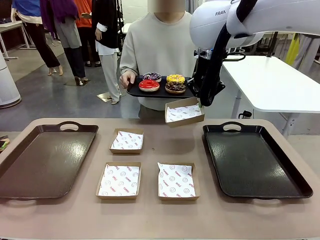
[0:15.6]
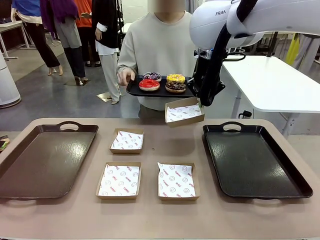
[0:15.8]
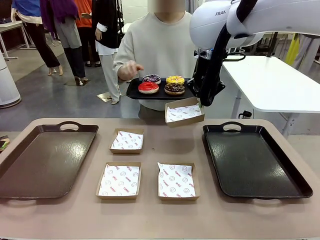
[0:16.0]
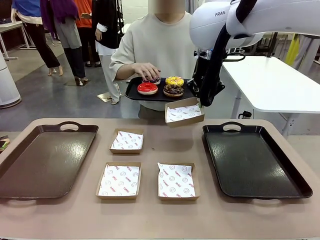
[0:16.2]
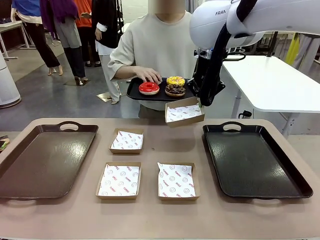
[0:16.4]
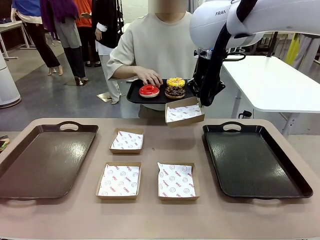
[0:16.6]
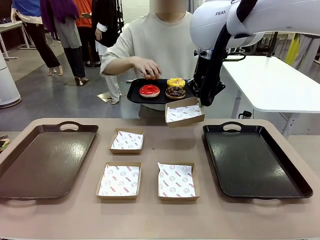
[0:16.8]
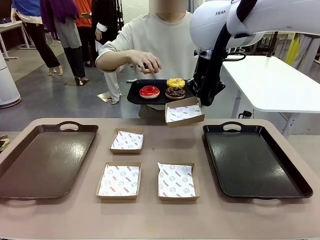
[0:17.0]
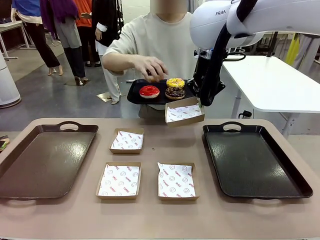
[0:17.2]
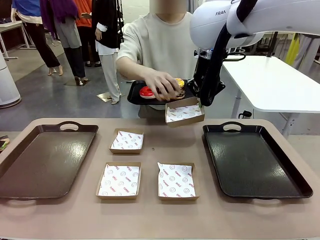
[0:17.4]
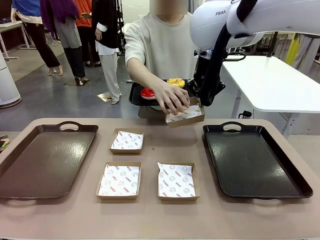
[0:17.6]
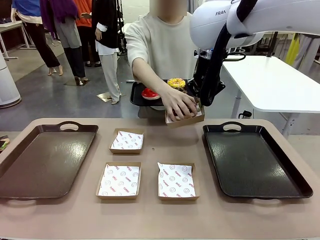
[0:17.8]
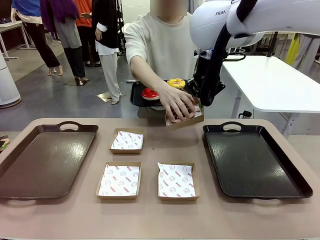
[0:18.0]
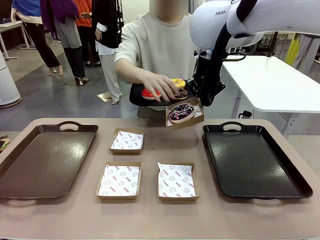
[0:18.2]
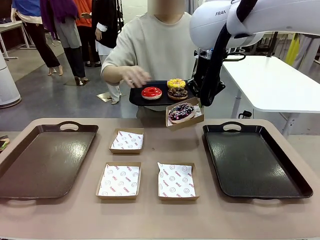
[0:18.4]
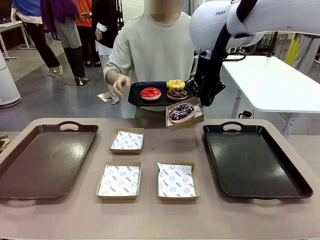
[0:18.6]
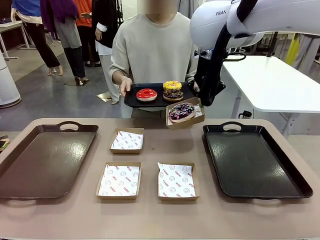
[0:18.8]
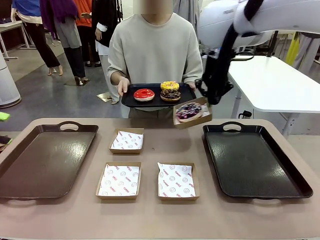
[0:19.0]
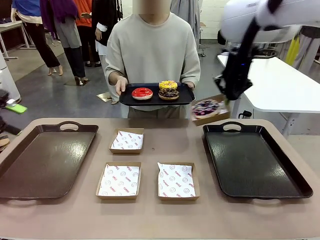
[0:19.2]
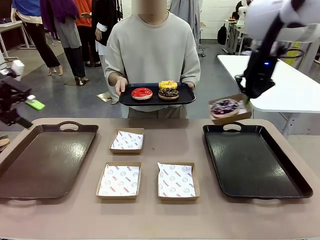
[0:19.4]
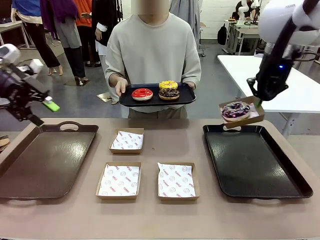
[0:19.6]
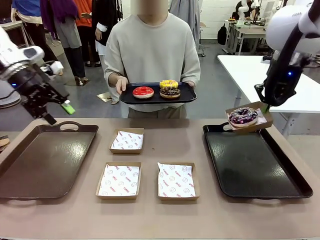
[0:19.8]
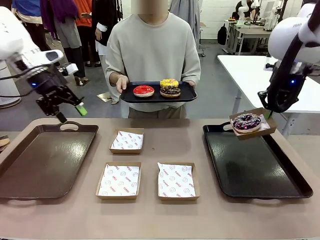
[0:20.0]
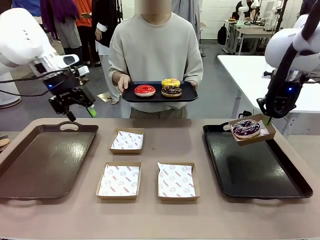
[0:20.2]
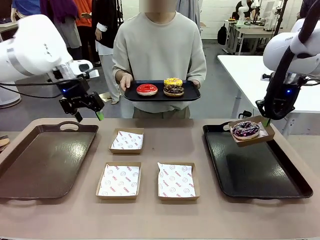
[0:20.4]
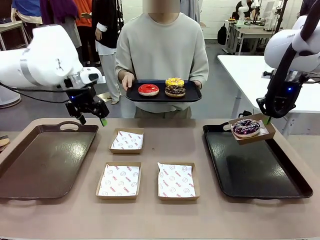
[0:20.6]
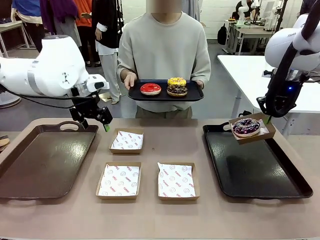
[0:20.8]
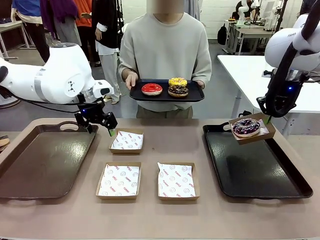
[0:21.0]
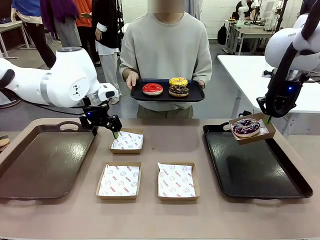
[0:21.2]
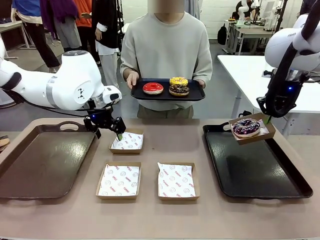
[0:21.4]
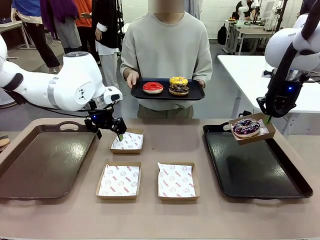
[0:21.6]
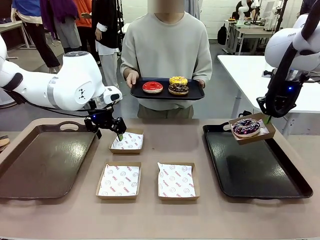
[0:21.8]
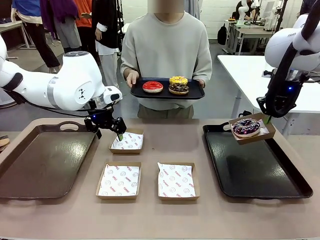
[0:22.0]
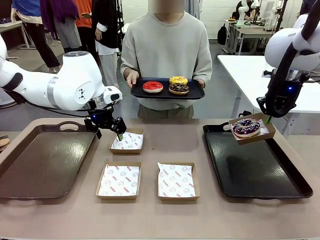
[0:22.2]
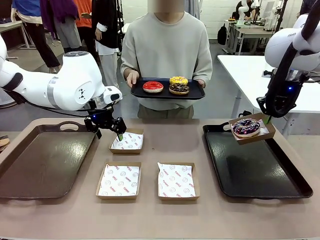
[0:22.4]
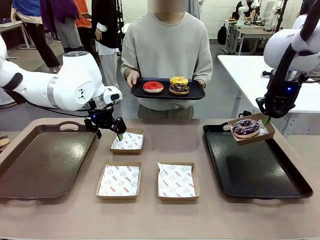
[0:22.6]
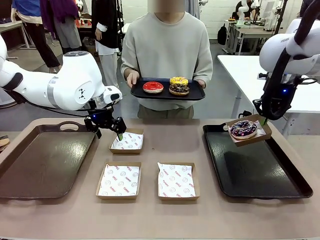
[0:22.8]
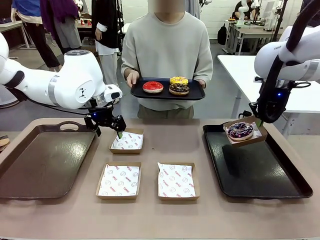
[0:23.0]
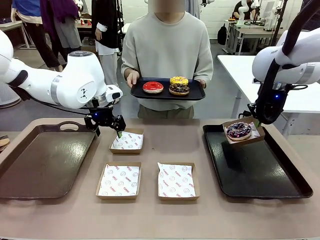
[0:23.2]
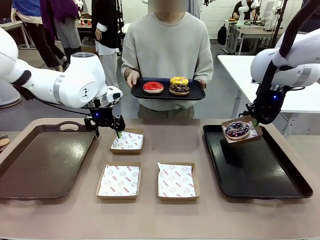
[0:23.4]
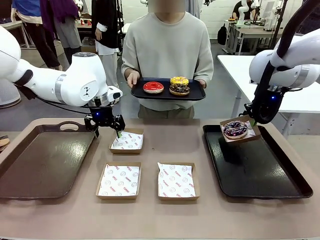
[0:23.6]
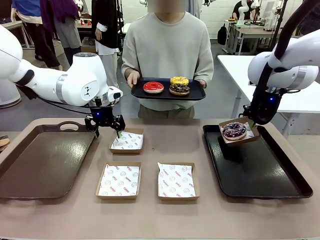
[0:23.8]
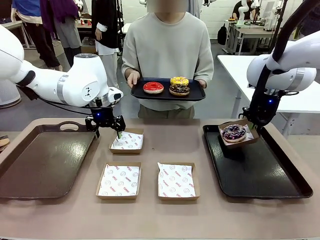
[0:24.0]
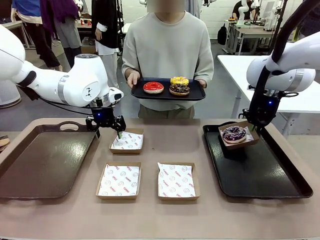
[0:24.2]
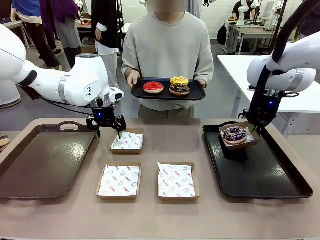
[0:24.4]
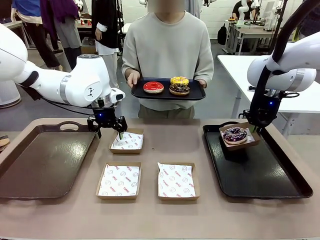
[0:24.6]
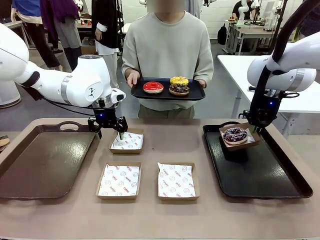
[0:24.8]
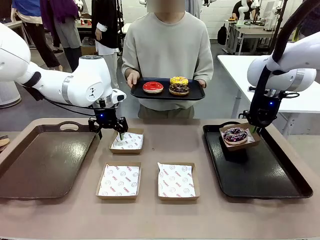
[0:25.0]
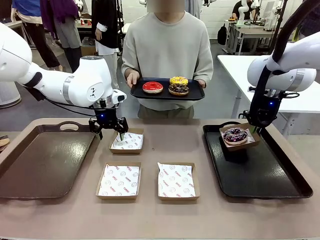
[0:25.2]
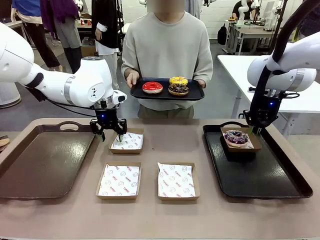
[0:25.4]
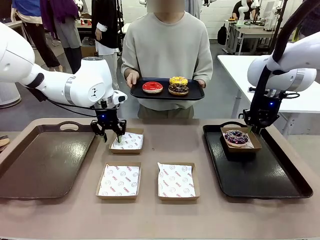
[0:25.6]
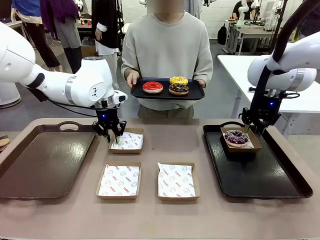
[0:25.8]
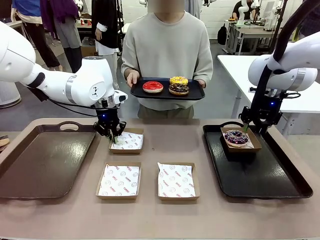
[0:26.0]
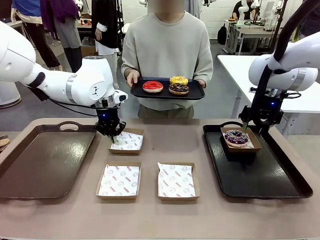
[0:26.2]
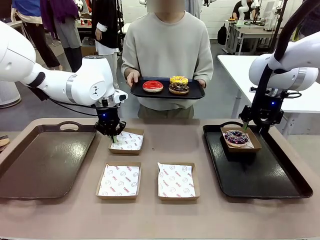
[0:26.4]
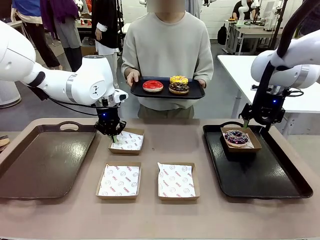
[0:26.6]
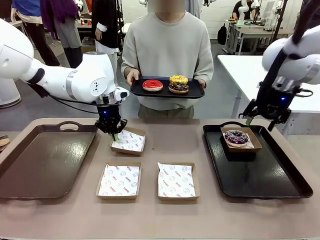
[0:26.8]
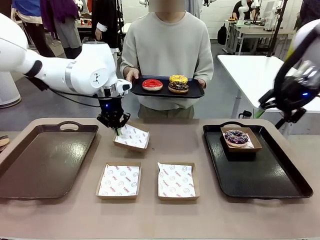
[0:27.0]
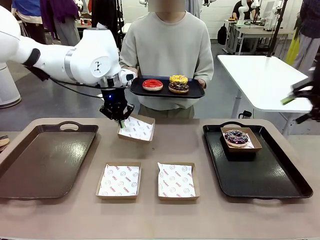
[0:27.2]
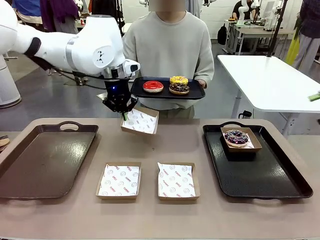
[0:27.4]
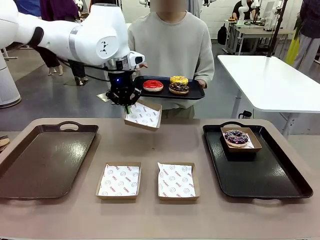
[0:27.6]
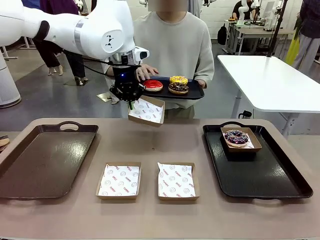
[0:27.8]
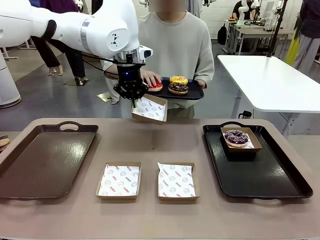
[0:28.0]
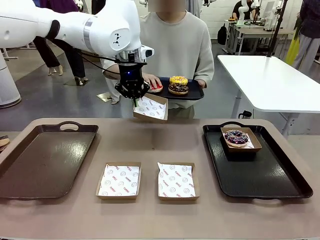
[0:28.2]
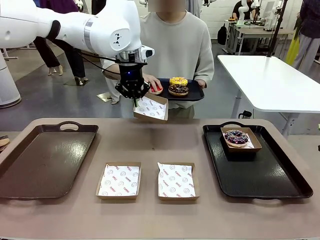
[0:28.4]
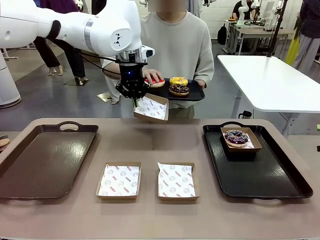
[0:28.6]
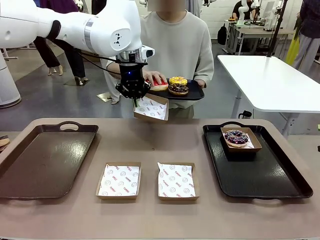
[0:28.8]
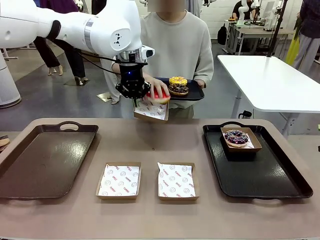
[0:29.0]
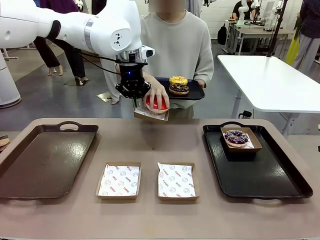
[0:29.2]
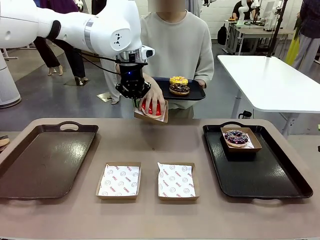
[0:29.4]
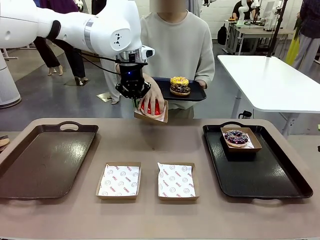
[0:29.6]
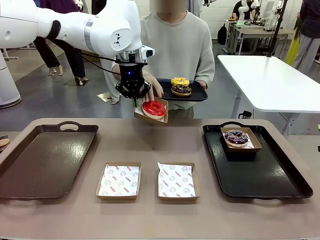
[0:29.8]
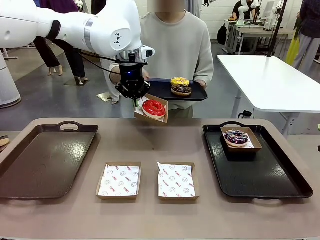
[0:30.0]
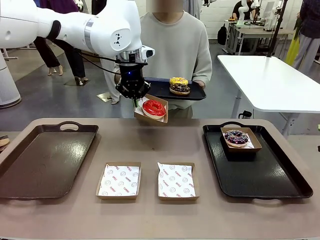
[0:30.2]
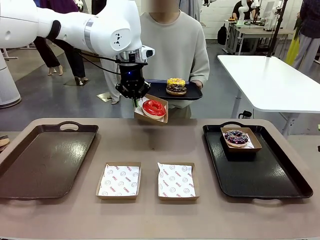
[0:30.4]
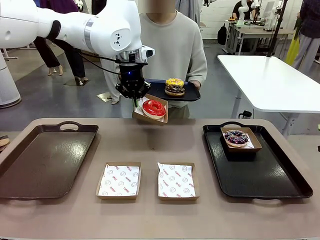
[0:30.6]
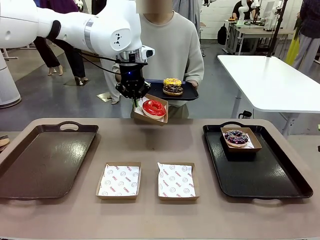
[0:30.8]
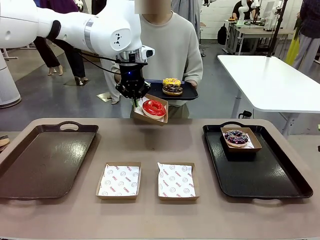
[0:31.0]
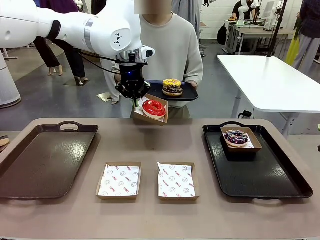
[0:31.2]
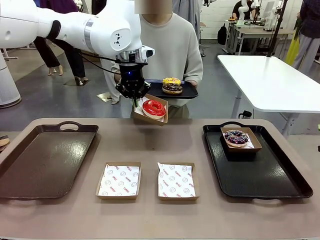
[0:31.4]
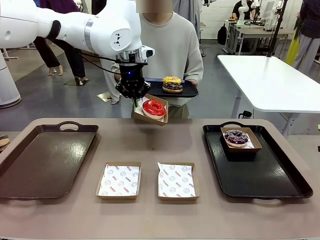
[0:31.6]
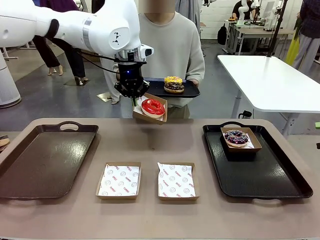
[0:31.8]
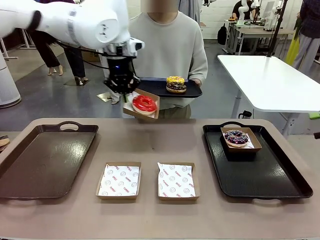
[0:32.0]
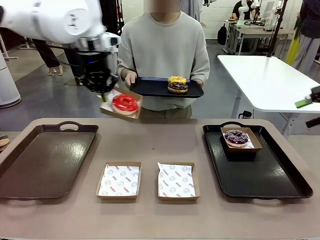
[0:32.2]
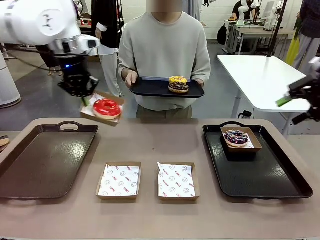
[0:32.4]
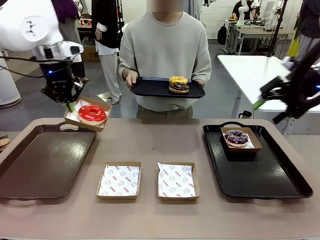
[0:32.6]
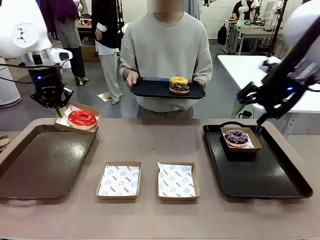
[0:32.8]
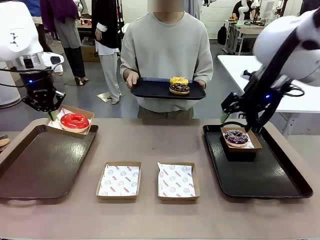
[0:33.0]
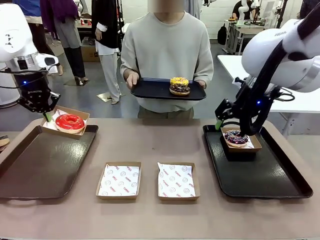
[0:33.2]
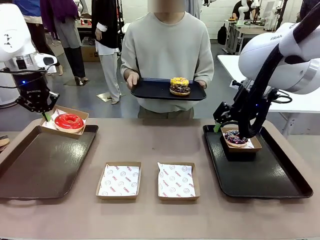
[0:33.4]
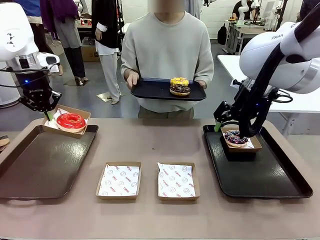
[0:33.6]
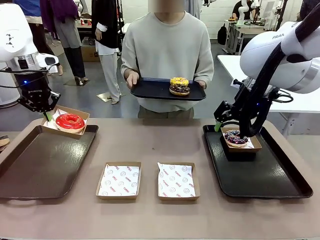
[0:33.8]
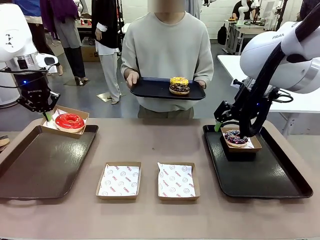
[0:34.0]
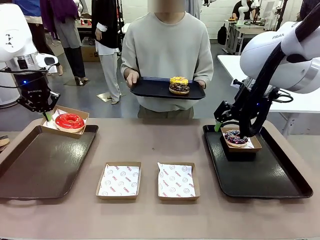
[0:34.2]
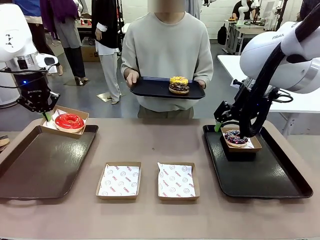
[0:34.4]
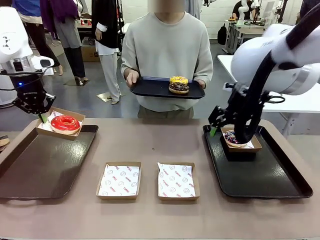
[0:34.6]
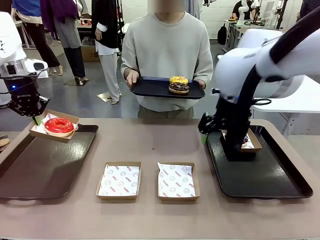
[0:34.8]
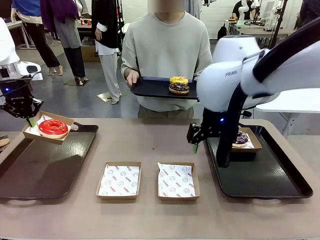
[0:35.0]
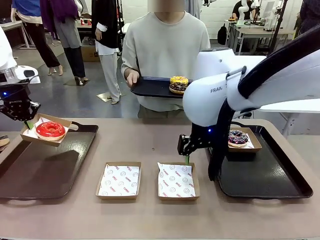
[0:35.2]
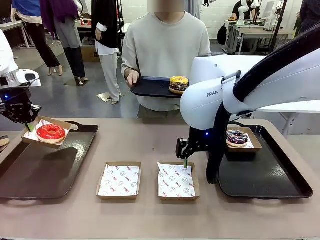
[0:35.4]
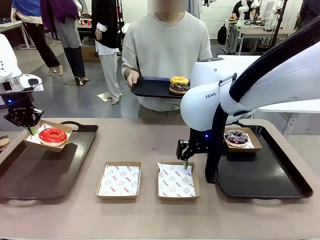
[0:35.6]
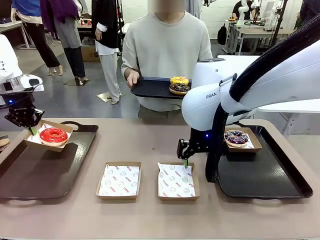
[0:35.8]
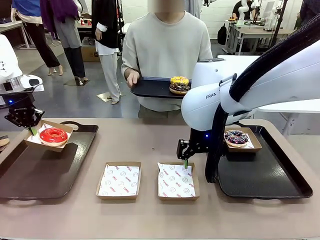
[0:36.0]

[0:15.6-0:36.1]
Task: Individually package the donuts and arrange them on the tray.
Robot: Place the picked Paper togo box on the Handle tray while simultaneously picking up another Paper togo box from the table with the other hand.
